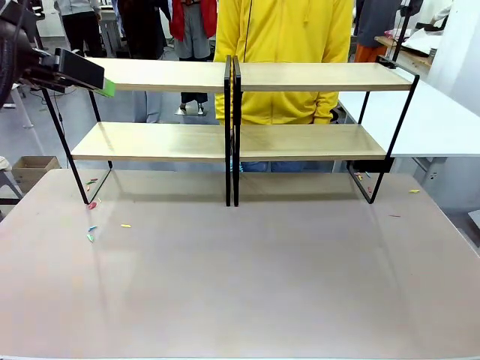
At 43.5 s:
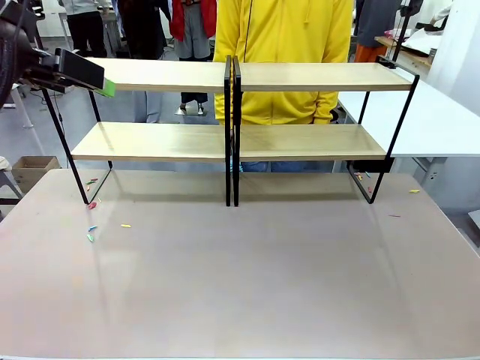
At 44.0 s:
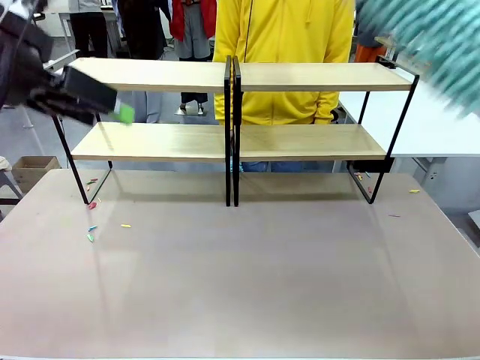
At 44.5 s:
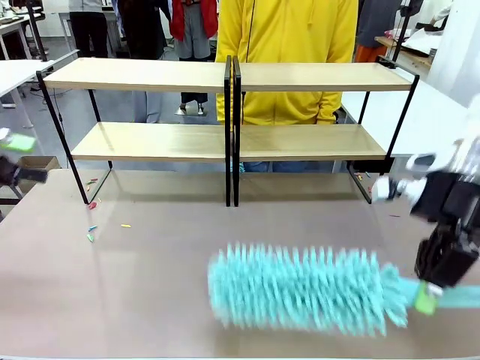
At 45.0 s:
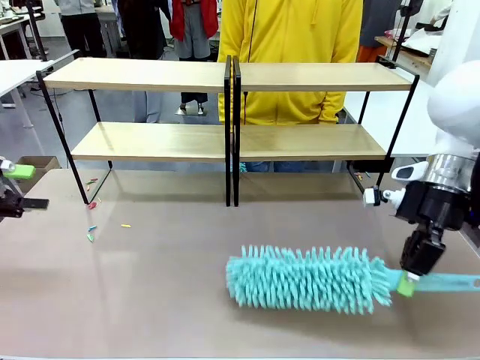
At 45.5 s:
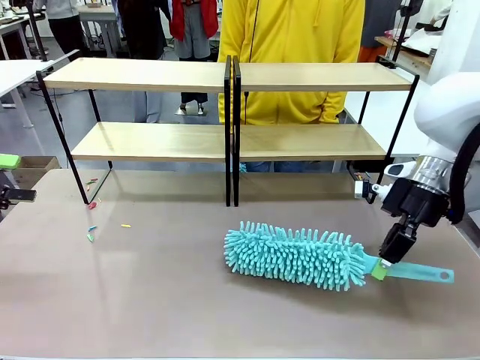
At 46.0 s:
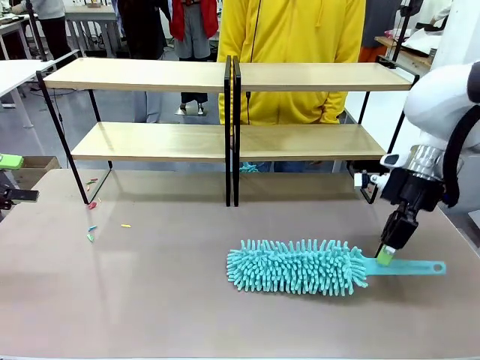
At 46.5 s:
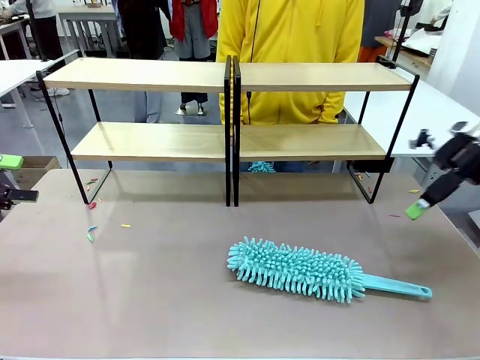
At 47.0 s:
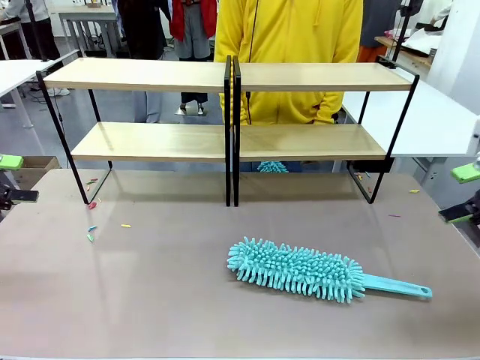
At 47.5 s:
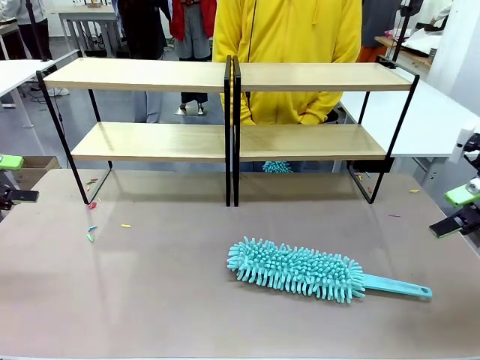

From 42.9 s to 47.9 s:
Task: Clean the shelves.
Robot: Place the Duster on the table.

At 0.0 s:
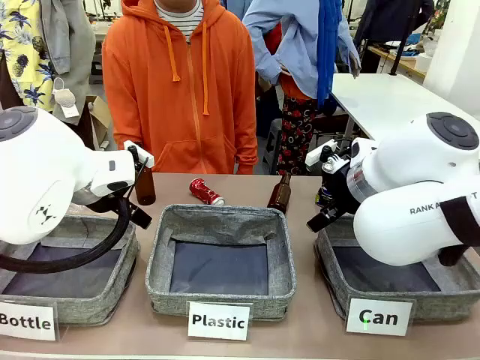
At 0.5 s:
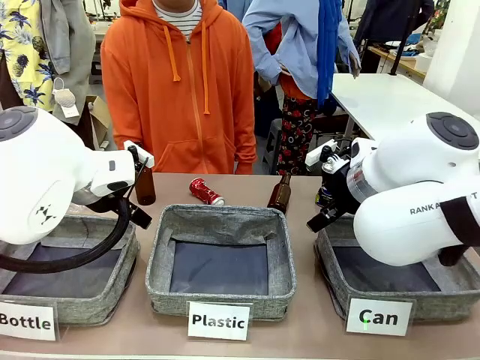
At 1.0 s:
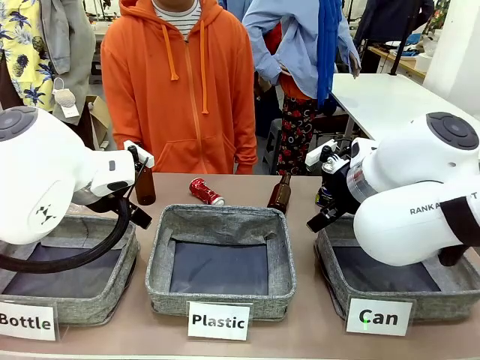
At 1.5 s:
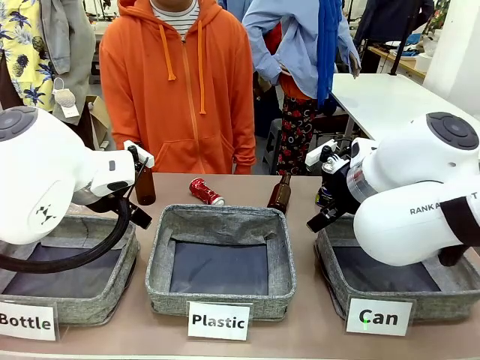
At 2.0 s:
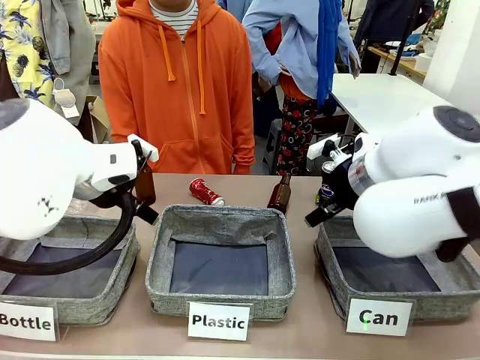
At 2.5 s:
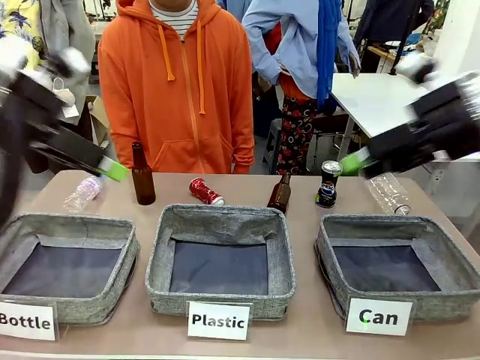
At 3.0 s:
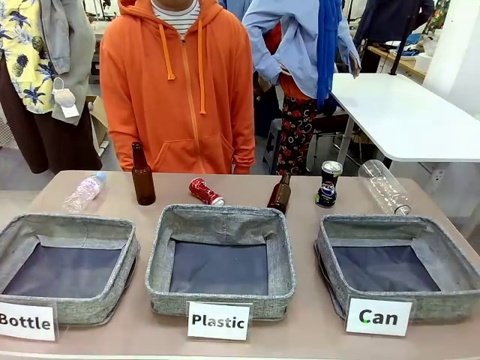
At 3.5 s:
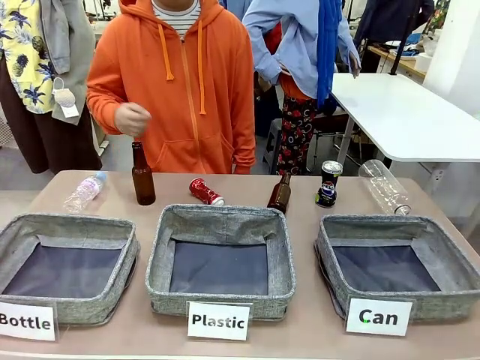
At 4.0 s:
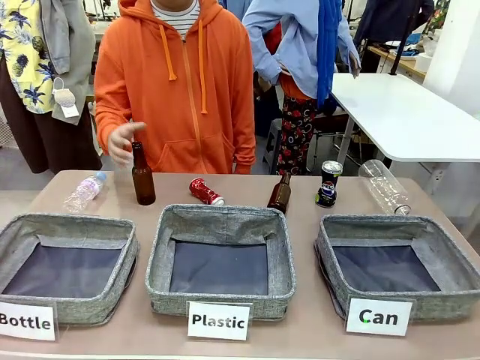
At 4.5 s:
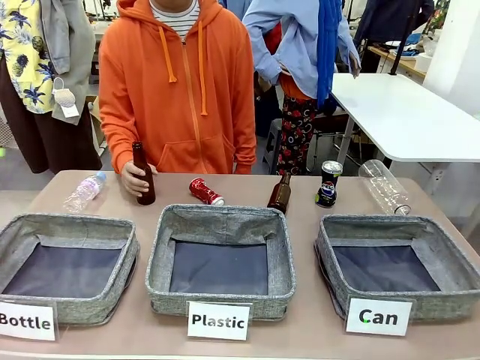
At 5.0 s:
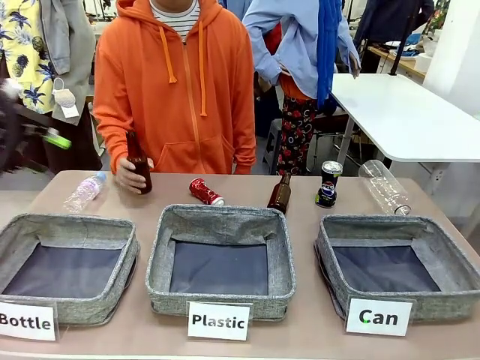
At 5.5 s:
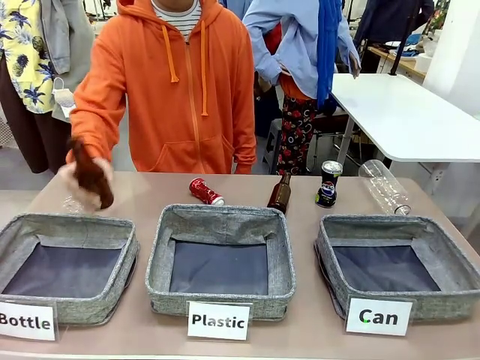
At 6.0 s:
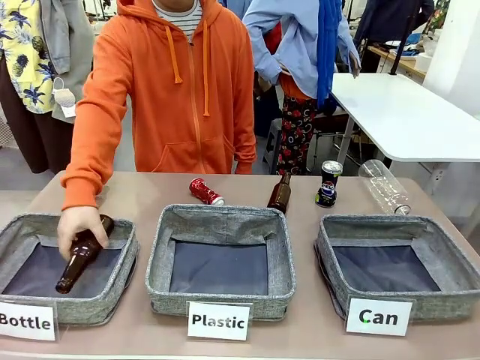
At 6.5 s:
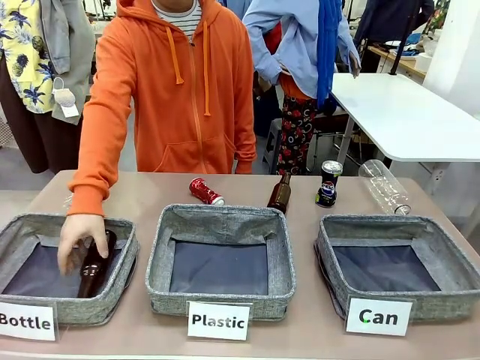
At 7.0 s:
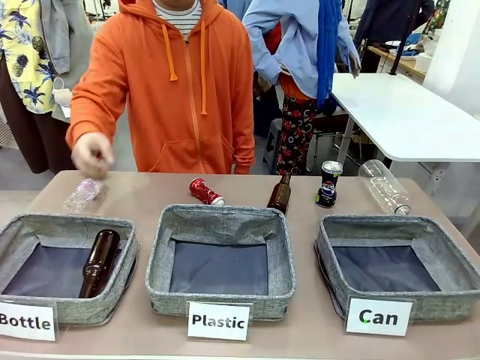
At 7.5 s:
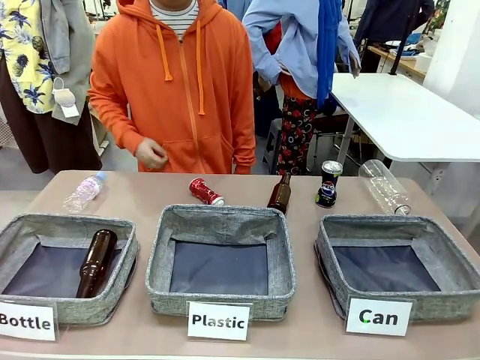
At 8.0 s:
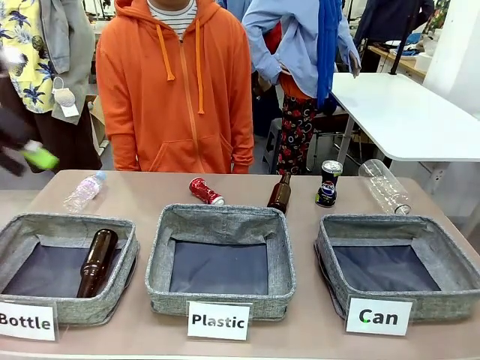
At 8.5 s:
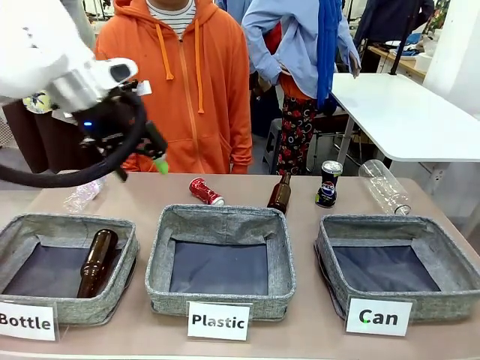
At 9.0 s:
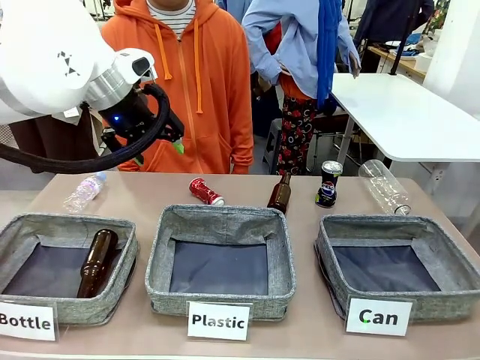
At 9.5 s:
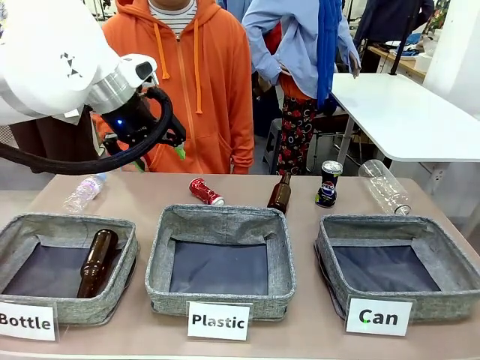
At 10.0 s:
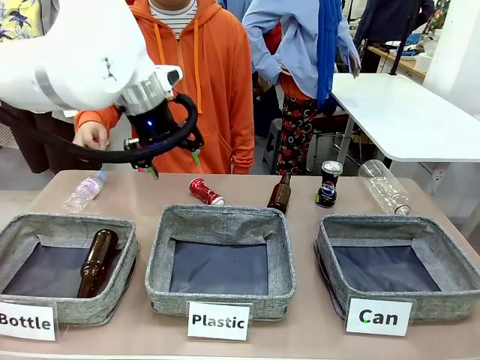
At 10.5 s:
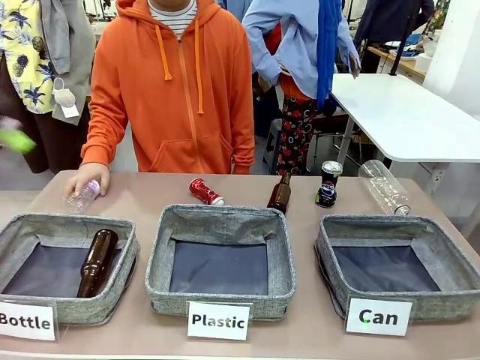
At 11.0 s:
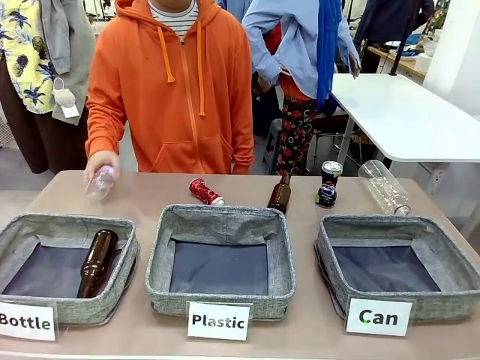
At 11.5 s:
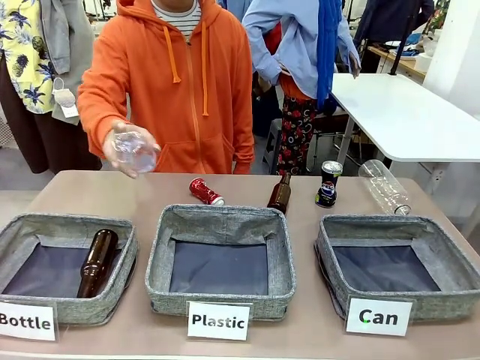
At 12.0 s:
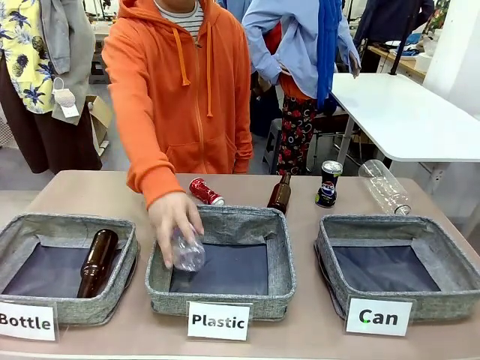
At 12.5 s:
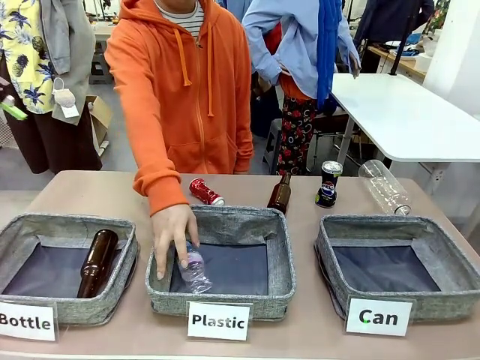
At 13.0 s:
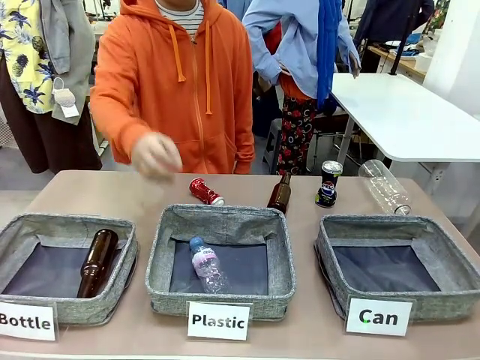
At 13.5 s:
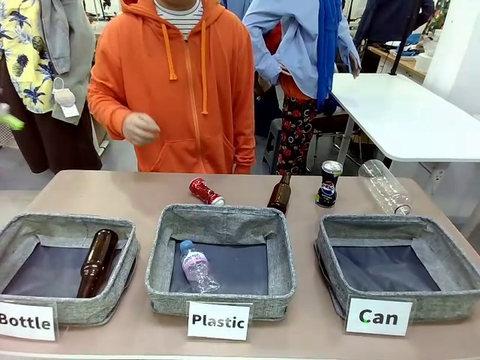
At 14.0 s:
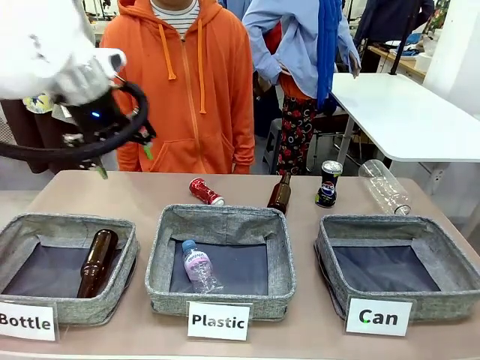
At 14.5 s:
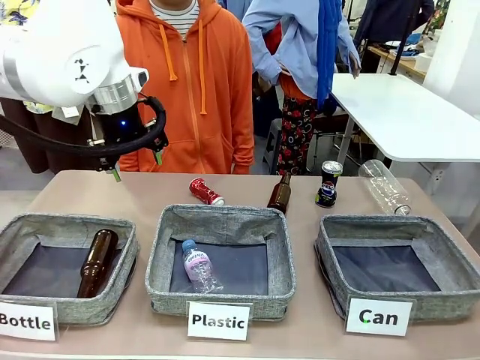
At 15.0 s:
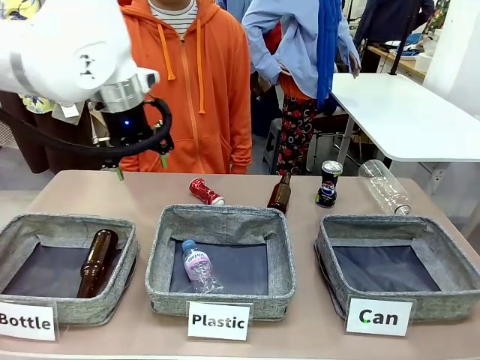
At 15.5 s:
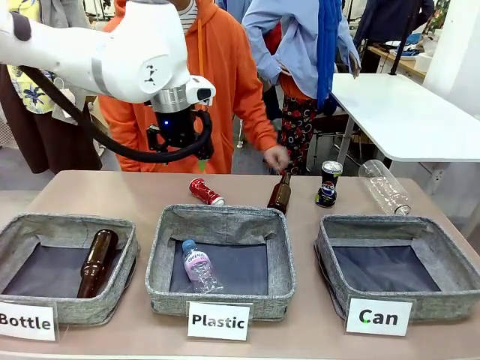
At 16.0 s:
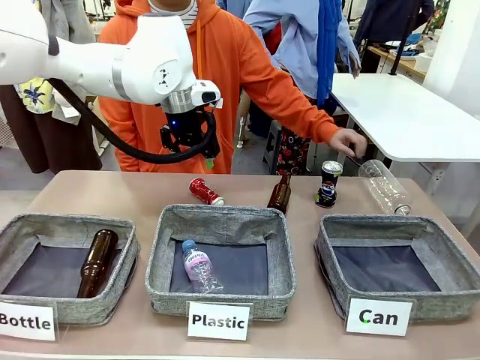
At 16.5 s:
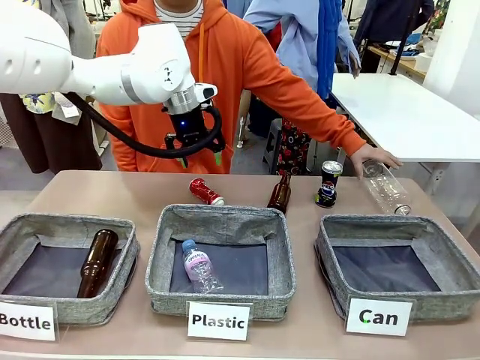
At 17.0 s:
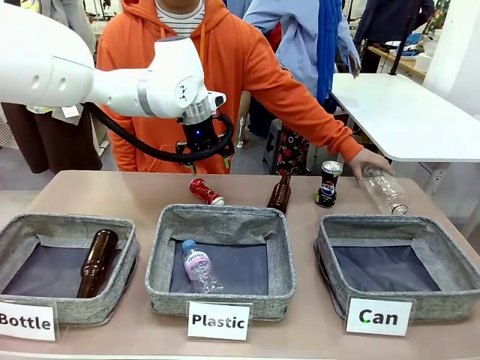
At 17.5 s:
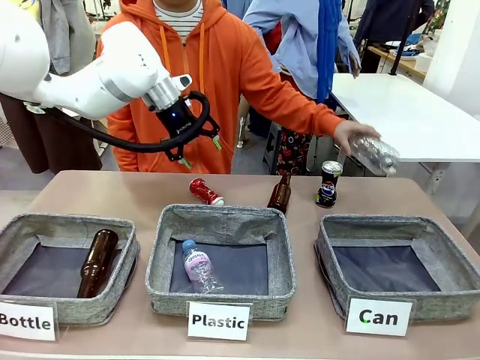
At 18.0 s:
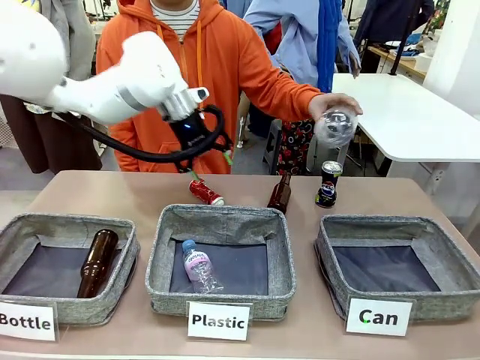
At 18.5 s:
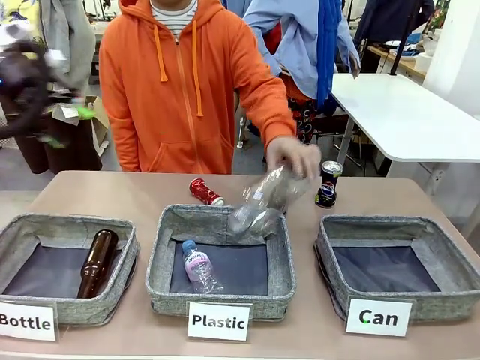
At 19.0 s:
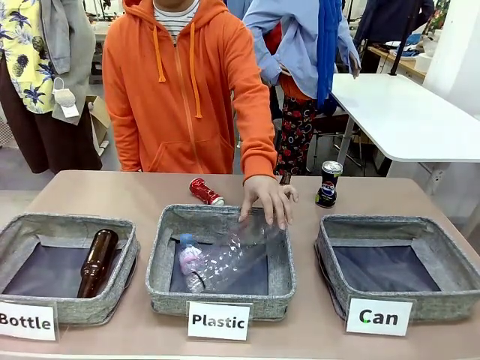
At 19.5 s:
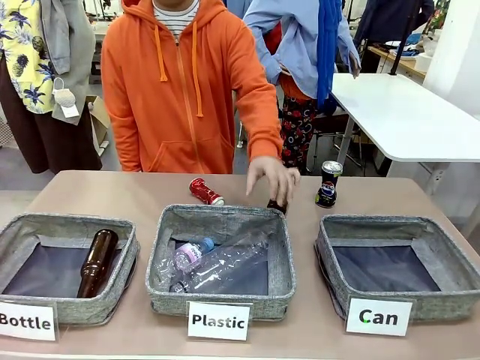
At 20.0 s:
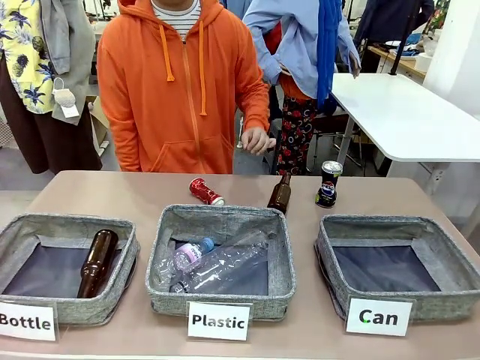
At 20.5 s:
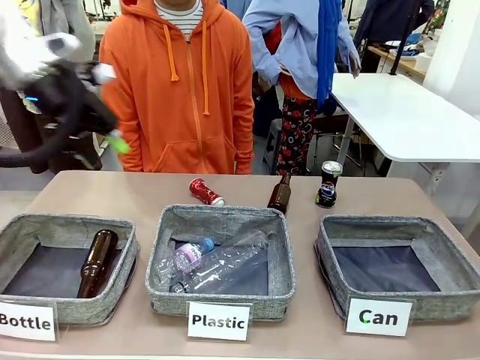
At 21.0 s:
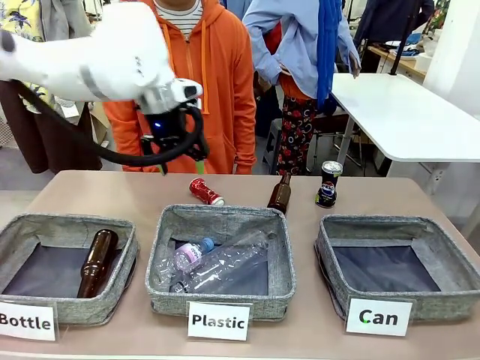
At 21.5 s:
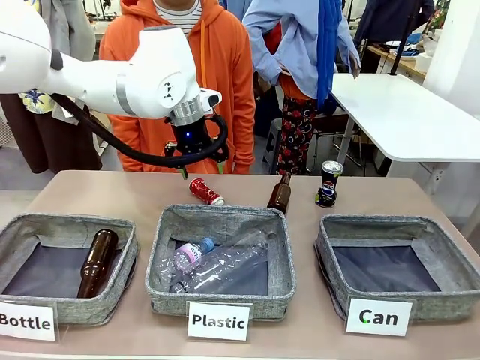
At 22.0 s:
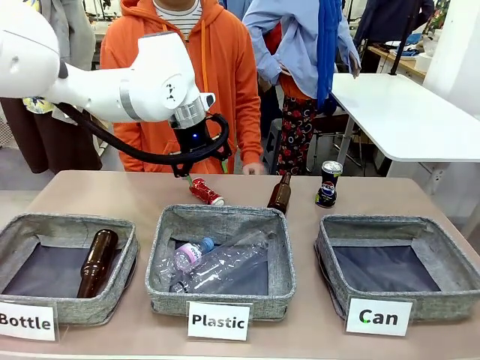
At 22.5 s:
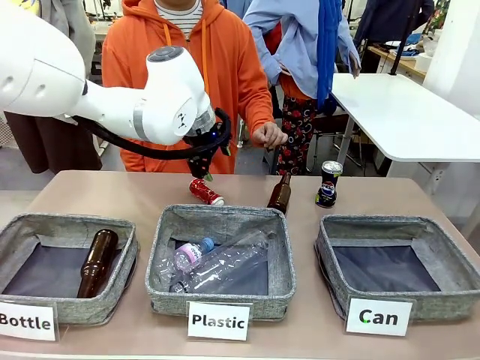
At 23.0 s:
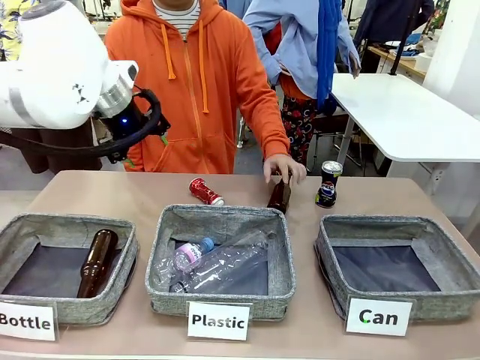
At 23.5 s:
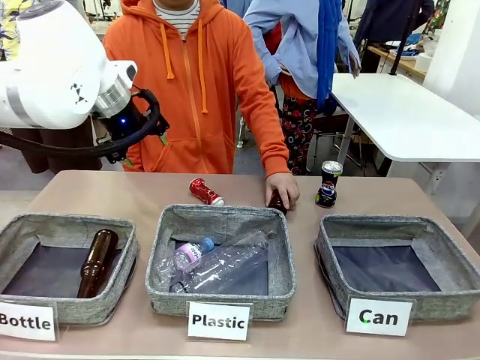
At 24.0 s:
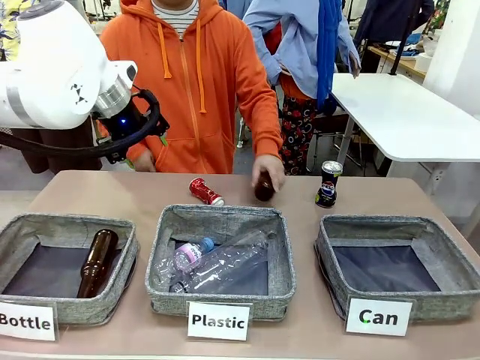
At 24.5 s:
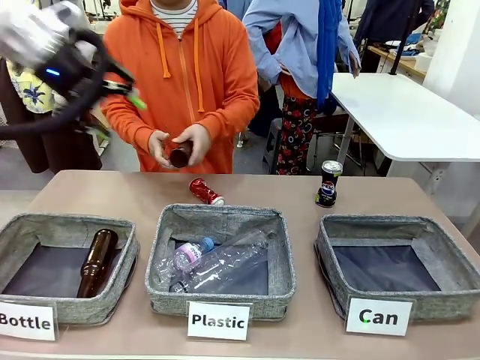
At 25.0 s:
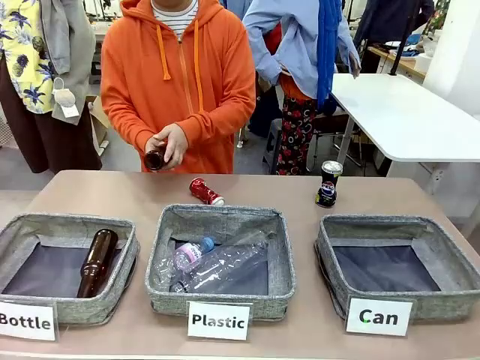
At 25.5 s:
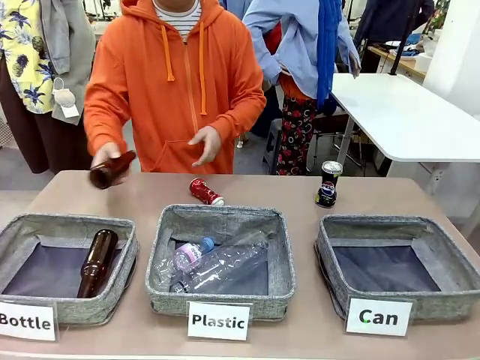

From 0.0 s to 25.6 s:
Task: Sort the can waste into the basket.
Robot: Pick up the can waste from the table and place it in the right Fabric basket.
